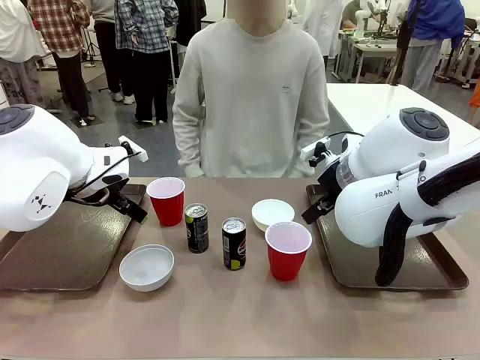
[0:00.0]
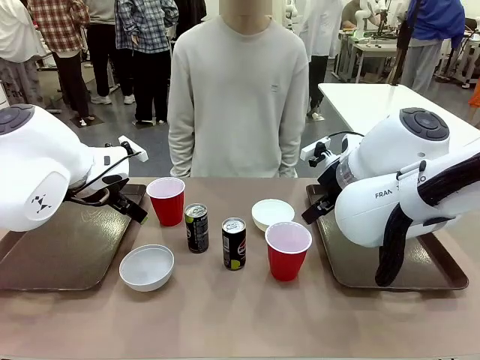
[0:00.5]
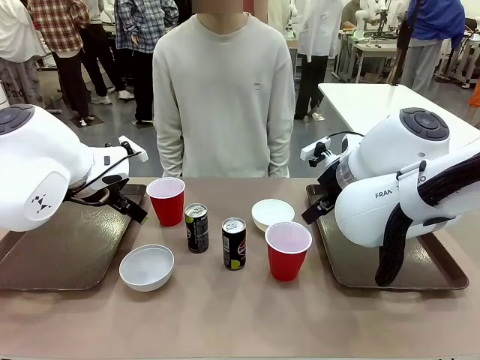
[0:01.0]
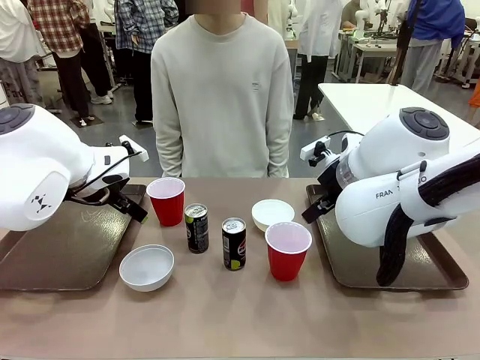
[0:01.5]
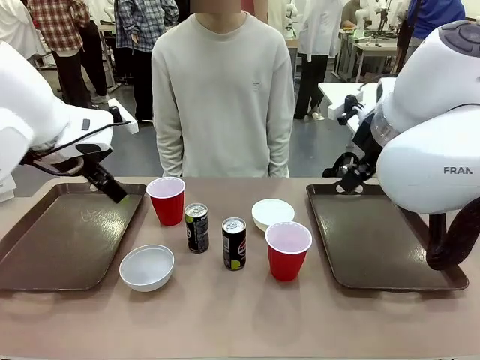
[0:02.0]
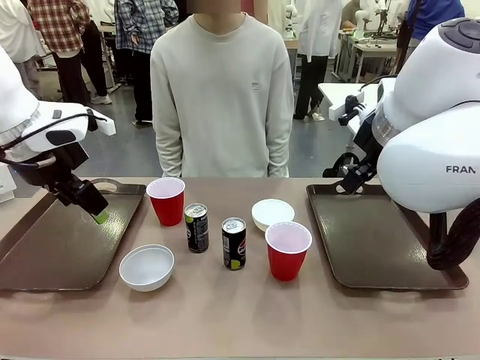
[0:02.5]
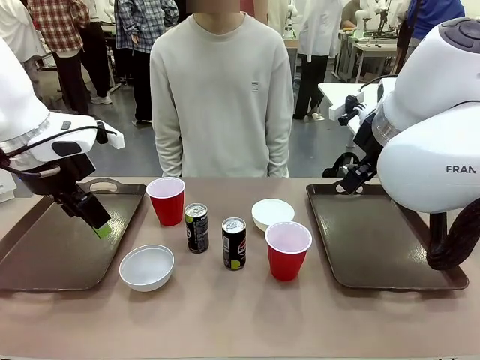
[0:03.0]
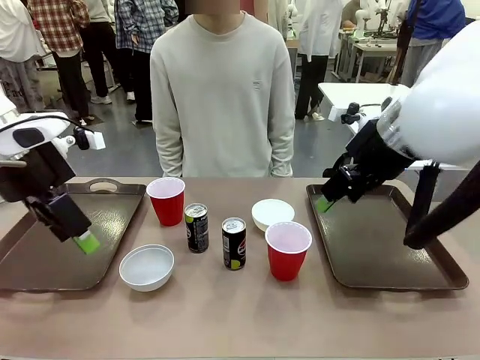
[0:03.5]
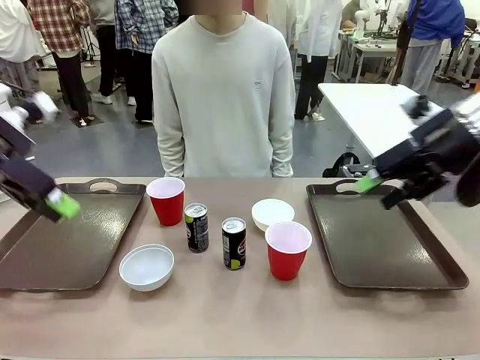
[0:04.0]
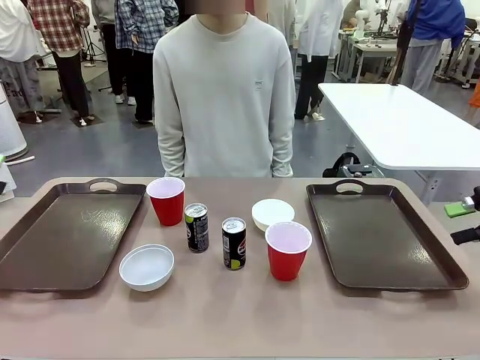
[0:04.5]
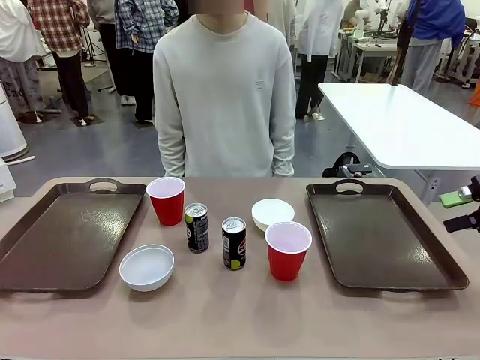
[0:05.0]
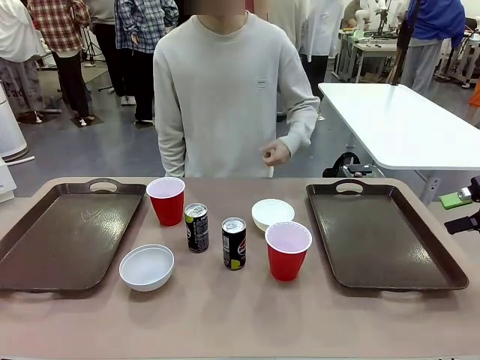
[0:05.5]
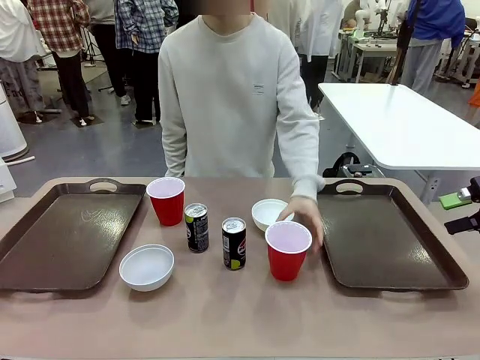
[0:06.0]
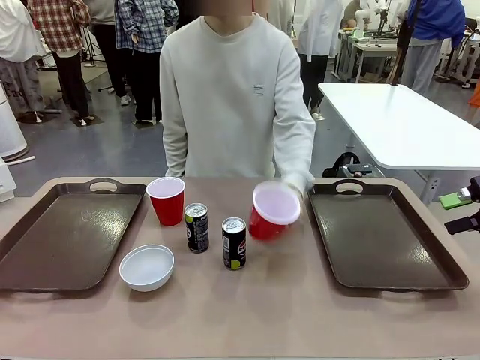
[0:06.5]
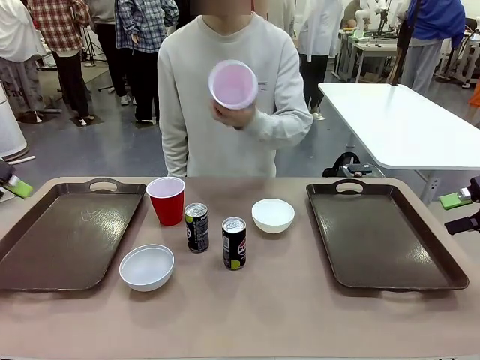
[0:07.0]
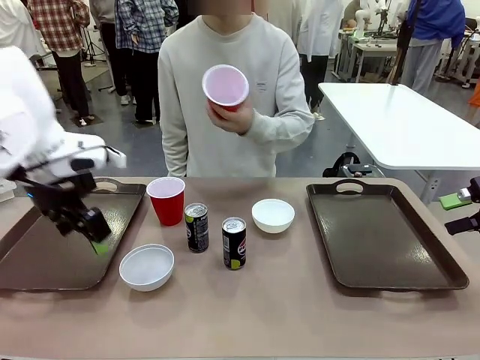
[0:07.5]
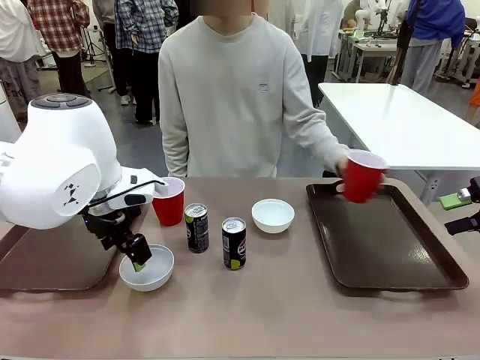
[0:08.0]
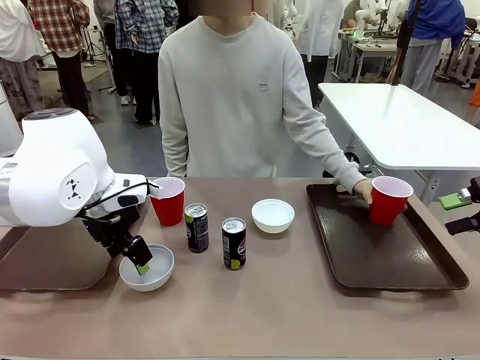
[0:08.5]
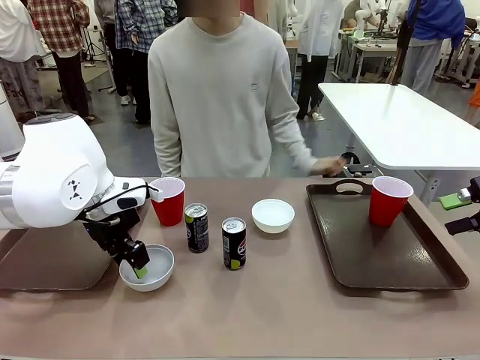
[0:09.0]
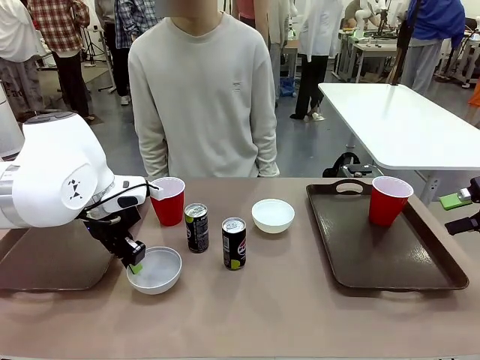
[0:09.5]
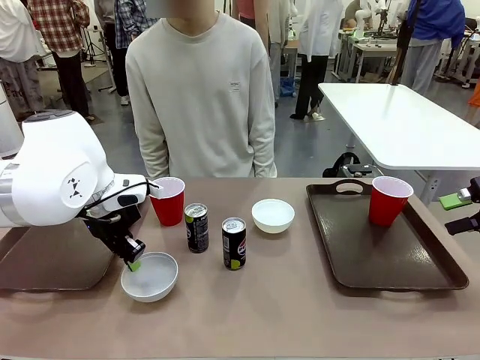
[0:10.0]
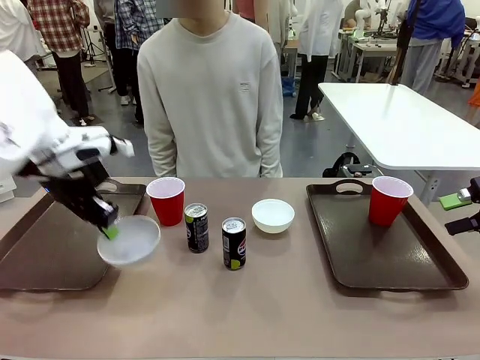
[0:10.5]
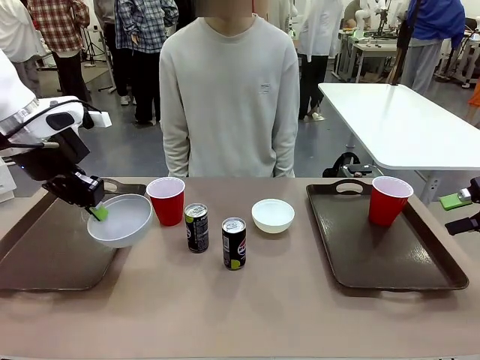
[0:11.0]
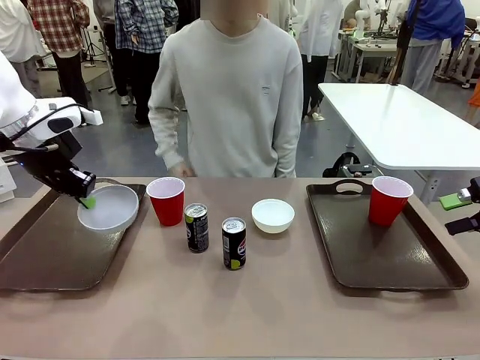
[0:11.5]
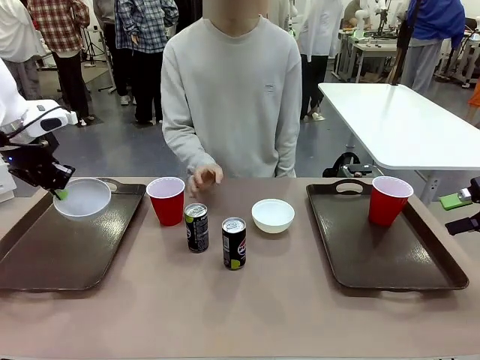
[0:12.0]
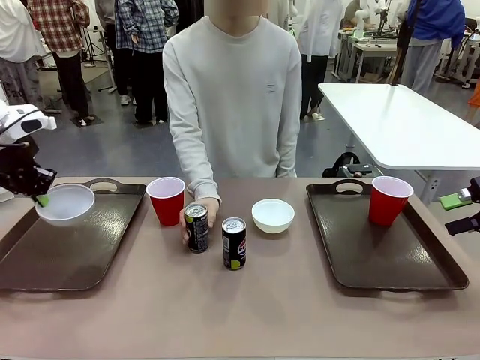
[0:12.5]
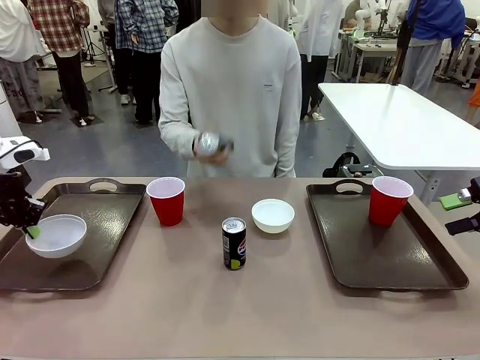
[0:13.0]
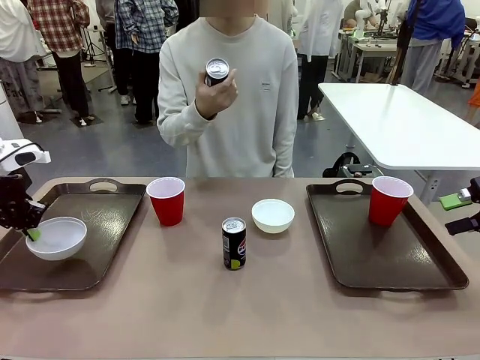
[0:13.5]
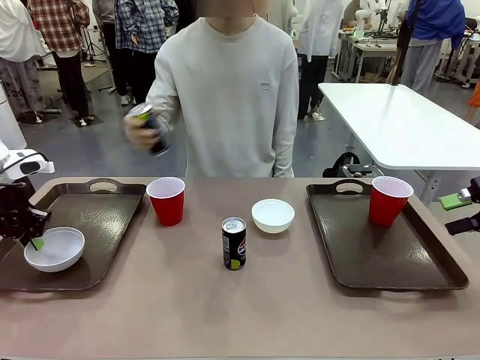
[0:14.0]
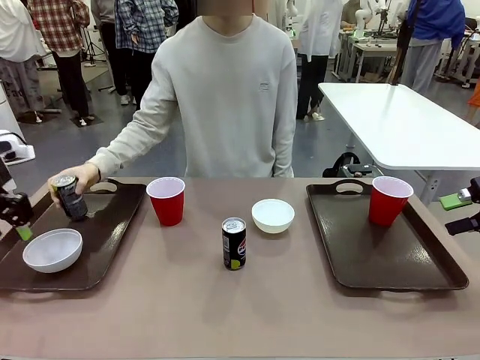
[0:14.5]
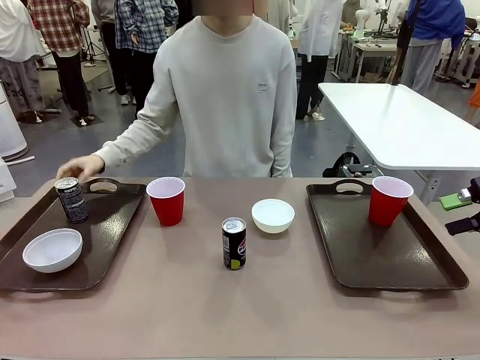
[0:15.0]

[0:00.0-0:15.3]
Task: Prepare tableware on both trays.
Robot: Pick up a Picnic Bowl from the table and place it on a Handle tray.
Person: Pick up a can or cup and place it on the tray.

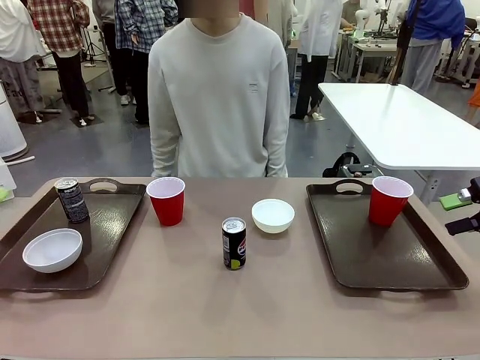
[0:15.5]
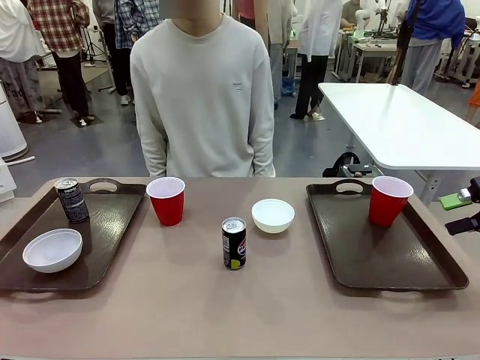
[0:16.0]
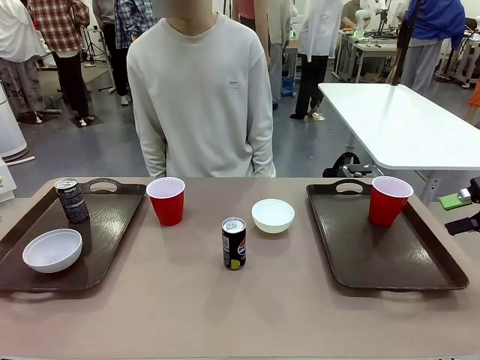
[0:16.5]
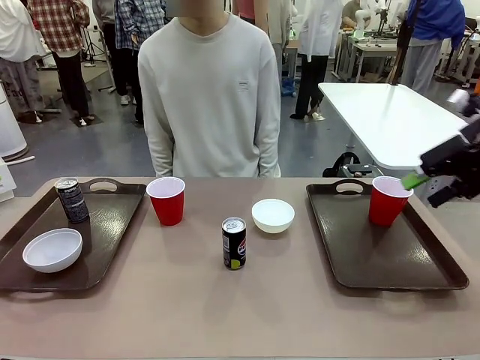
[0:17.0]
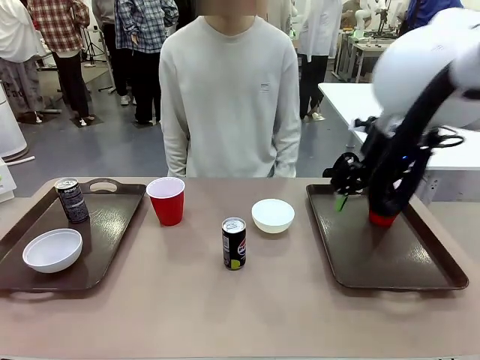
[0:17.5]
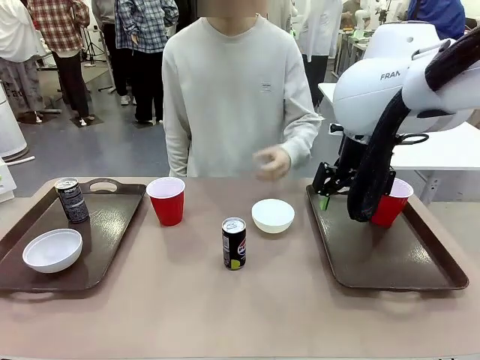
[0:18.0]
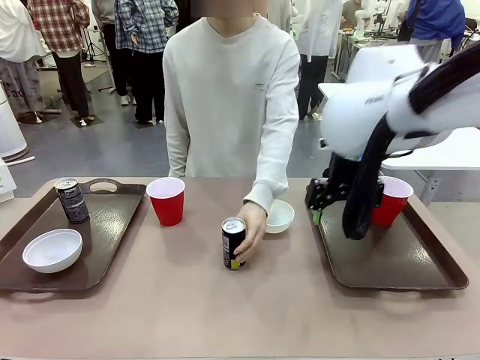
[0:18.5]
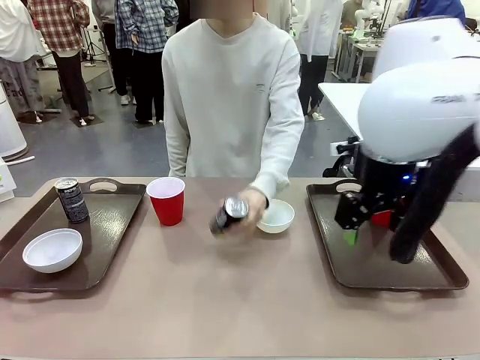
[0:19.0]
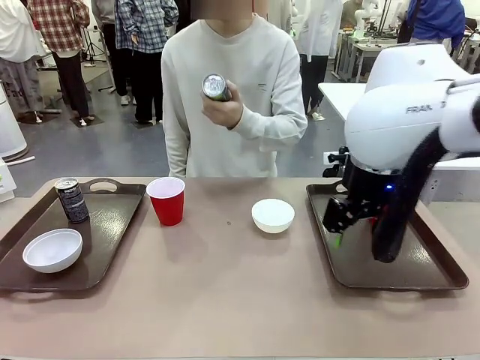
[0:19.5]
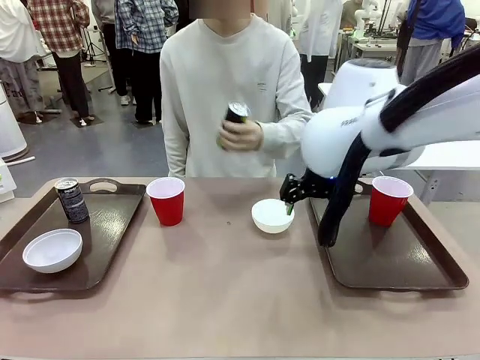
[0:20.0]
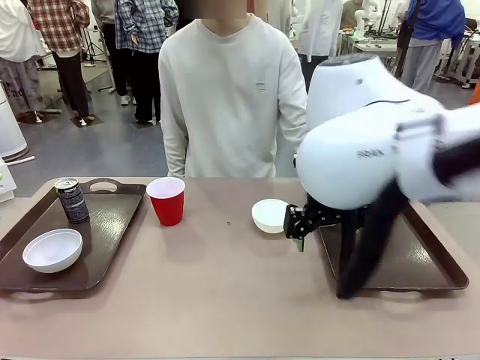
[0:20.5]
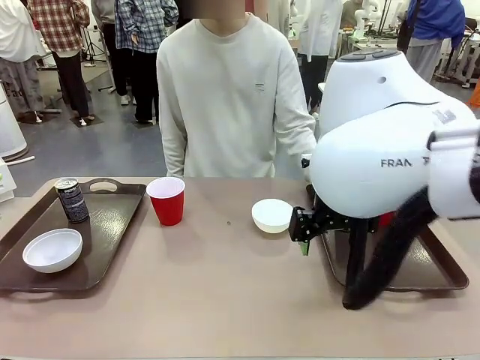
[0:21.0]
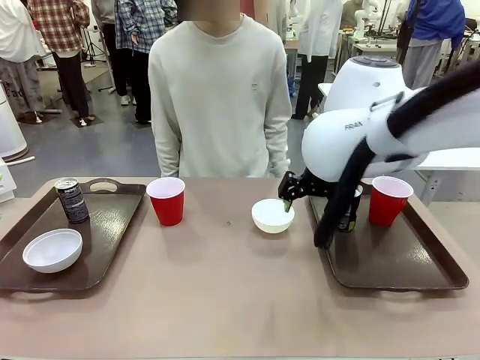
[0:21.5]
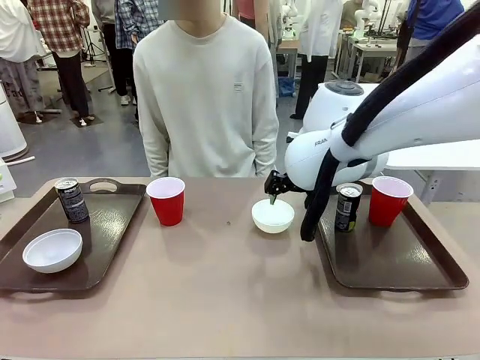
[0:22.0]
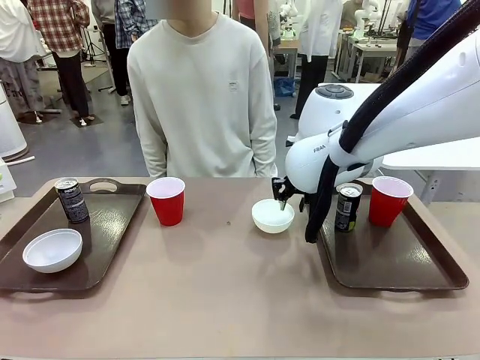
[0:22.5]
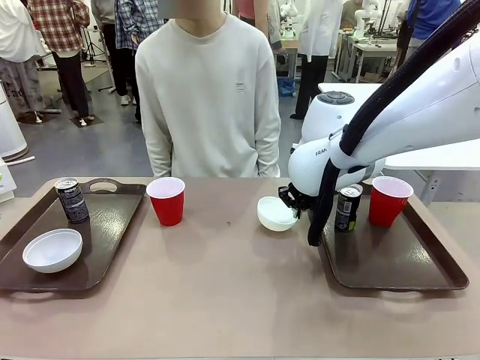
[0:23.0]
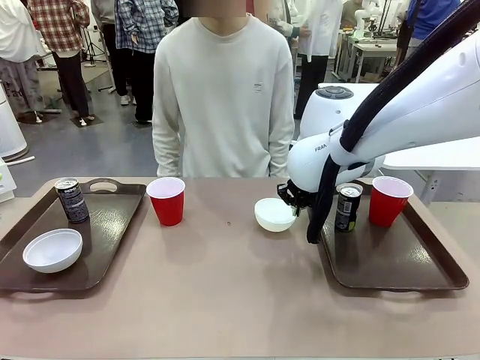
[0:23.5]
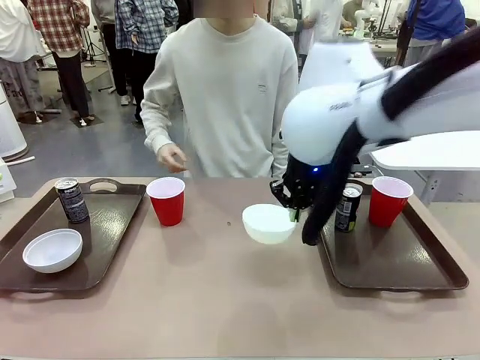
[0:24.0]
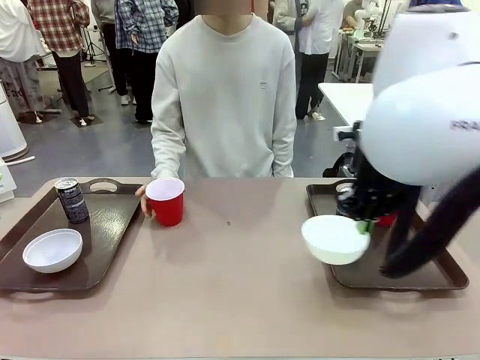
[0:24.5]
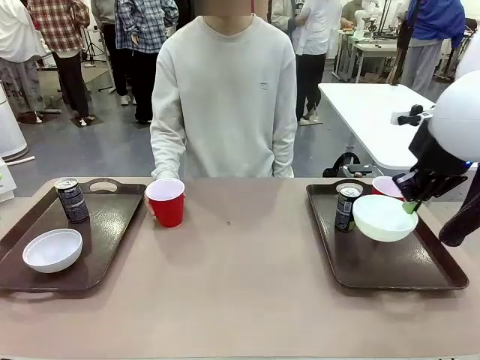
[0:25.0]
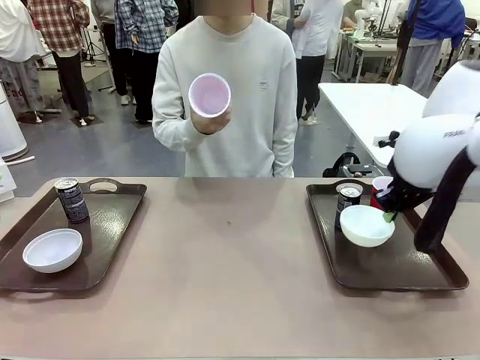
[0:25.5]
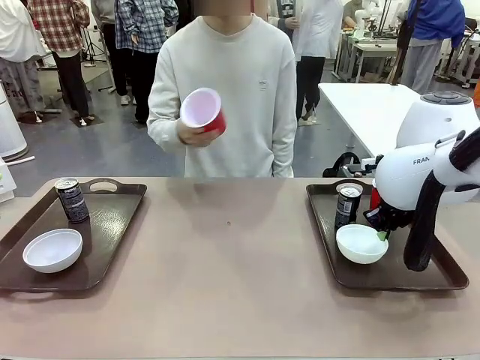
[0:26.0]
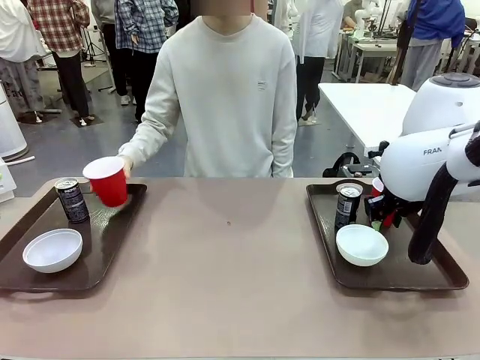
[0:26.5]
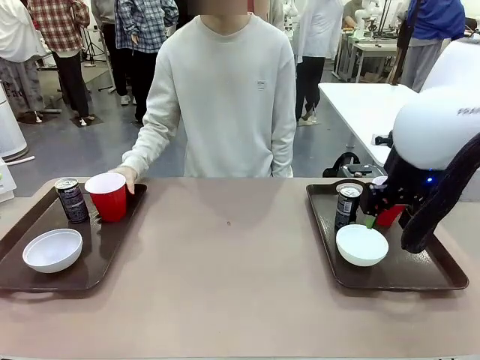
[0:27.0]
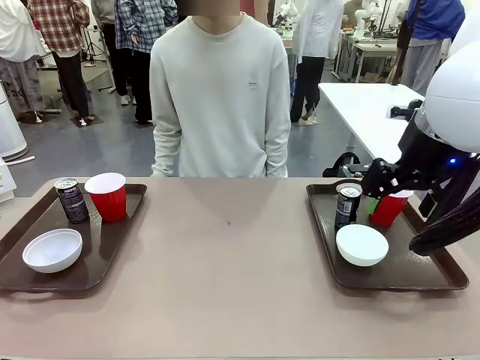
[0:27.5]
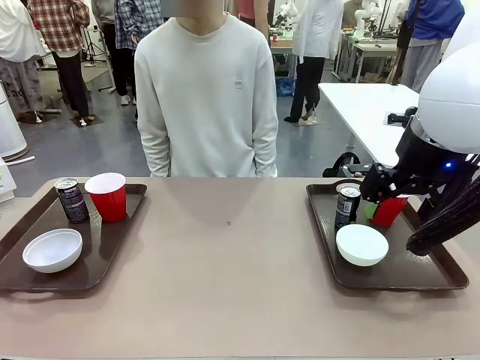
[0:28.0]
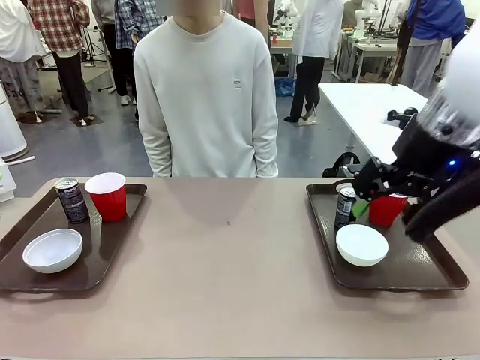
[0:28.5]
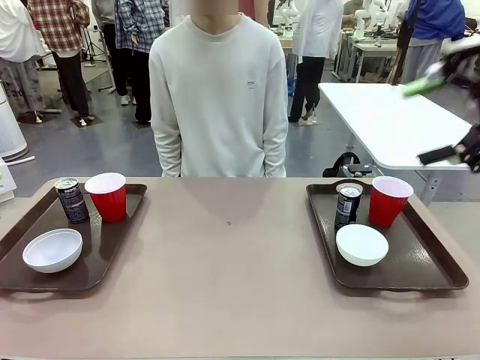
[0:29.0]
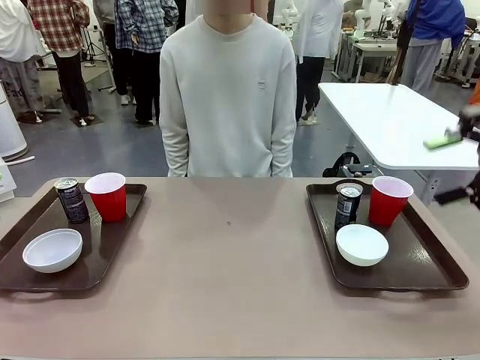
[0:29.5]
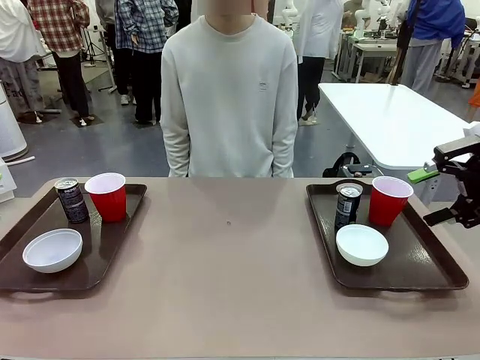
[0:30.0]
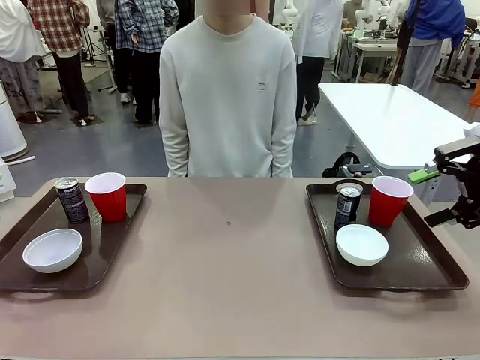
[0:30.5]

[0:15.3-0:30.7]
Robot: Pick up a Picnic Bowl from the table and place it on a Handle tray.
Person: Pick up a can or cup and place it on the tray without a can or cup.
